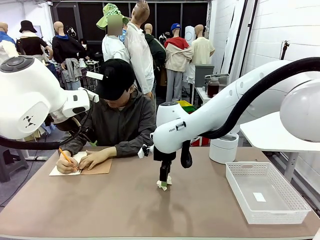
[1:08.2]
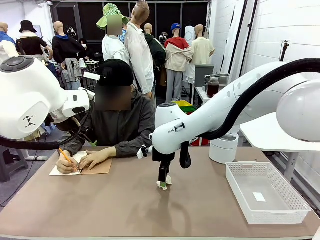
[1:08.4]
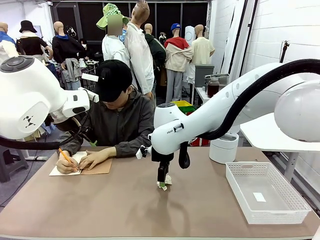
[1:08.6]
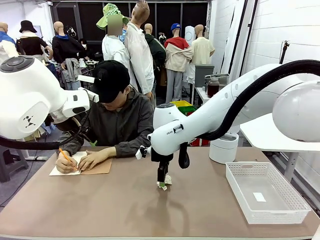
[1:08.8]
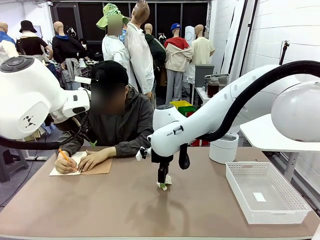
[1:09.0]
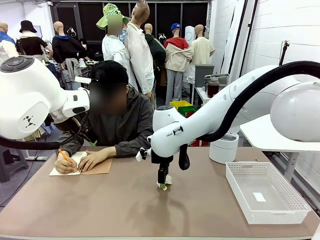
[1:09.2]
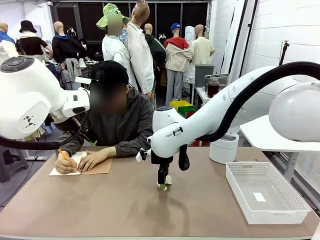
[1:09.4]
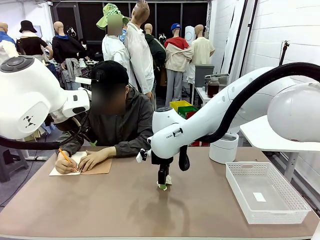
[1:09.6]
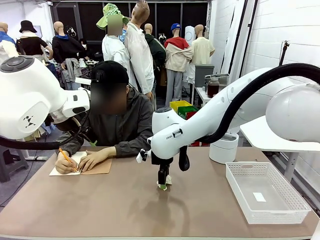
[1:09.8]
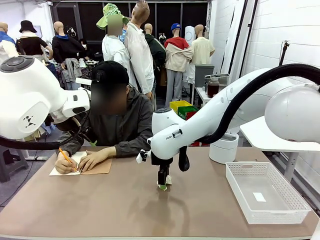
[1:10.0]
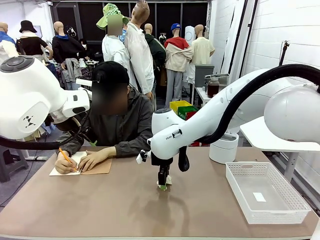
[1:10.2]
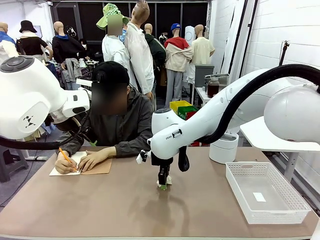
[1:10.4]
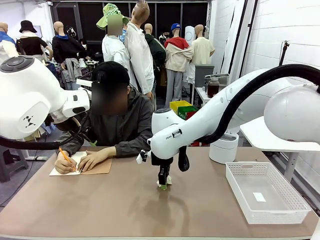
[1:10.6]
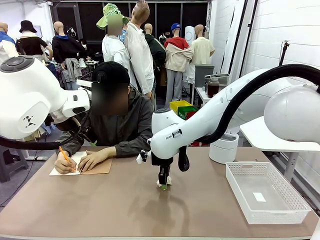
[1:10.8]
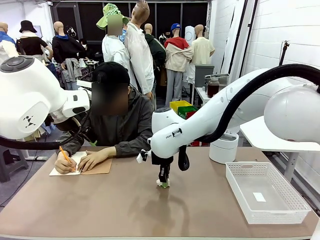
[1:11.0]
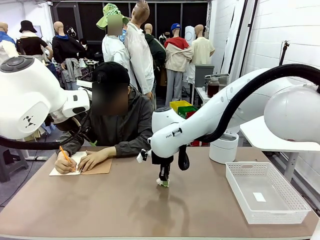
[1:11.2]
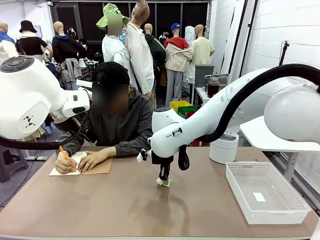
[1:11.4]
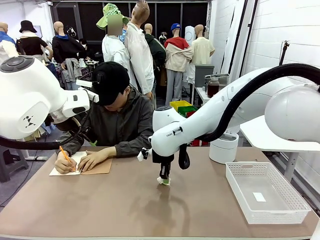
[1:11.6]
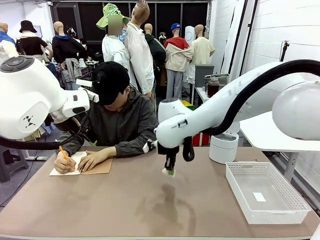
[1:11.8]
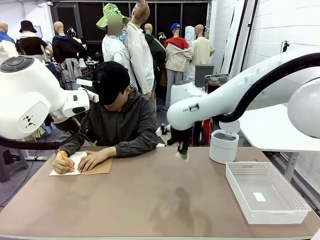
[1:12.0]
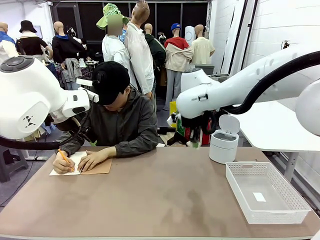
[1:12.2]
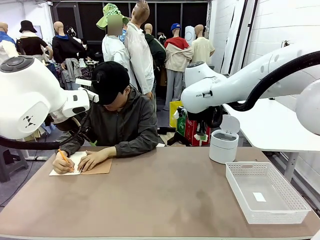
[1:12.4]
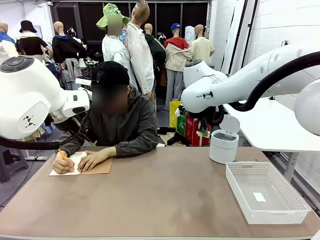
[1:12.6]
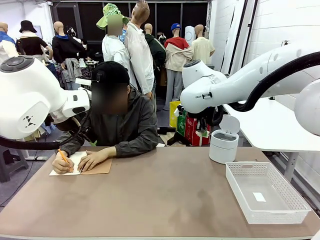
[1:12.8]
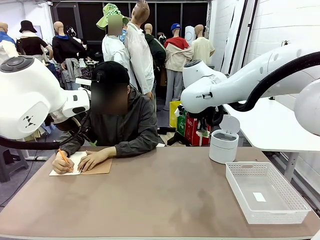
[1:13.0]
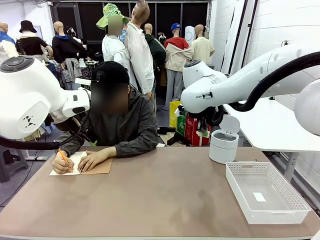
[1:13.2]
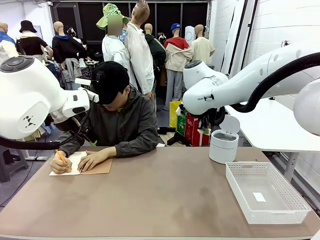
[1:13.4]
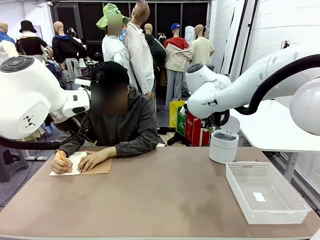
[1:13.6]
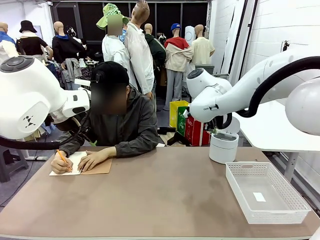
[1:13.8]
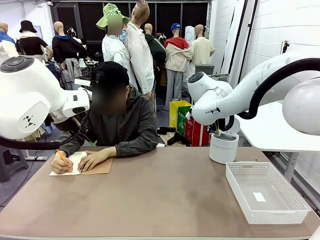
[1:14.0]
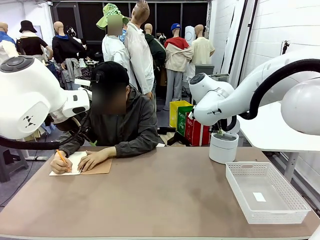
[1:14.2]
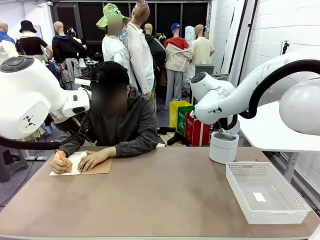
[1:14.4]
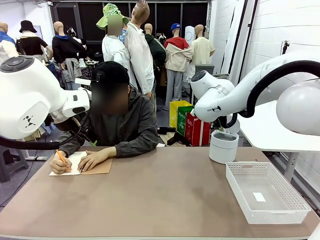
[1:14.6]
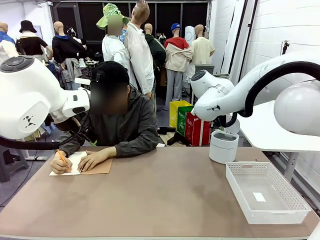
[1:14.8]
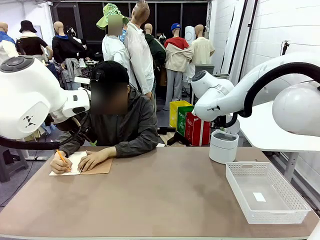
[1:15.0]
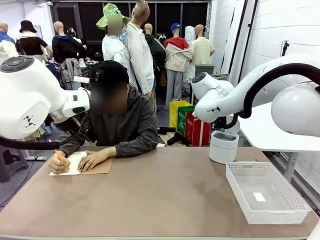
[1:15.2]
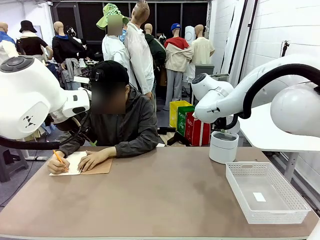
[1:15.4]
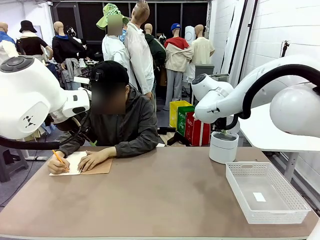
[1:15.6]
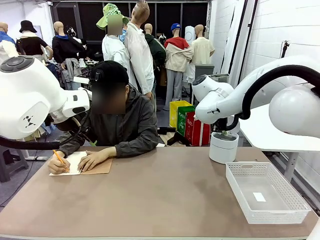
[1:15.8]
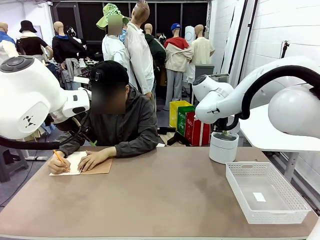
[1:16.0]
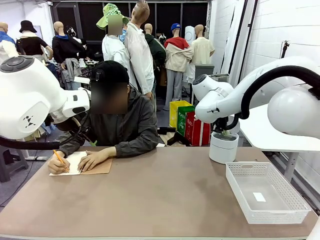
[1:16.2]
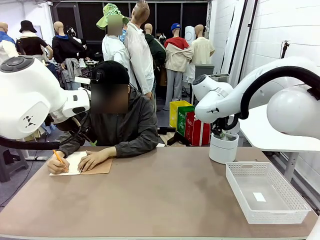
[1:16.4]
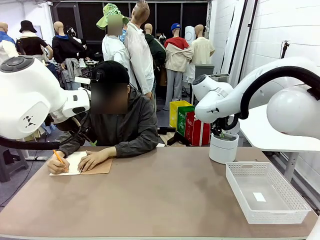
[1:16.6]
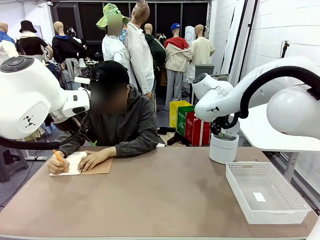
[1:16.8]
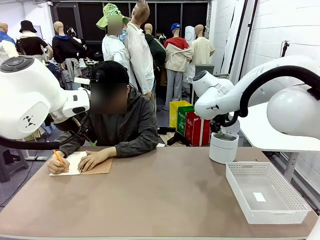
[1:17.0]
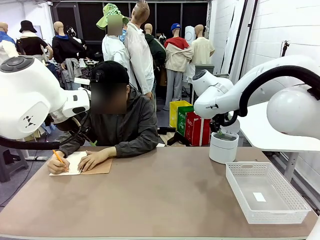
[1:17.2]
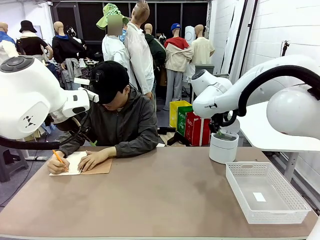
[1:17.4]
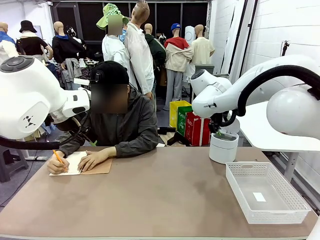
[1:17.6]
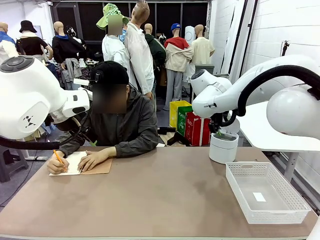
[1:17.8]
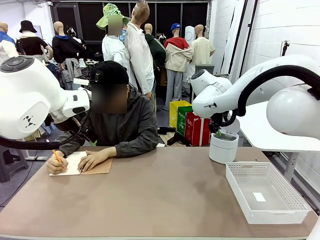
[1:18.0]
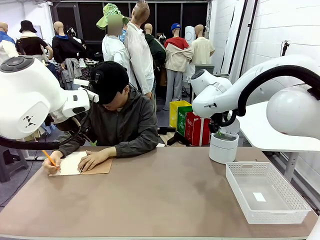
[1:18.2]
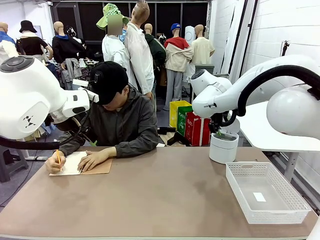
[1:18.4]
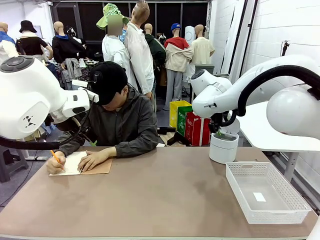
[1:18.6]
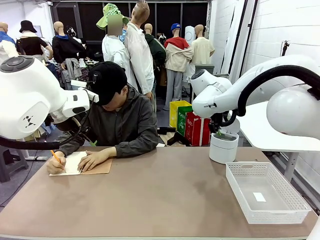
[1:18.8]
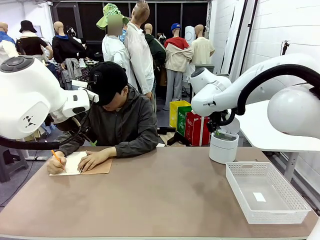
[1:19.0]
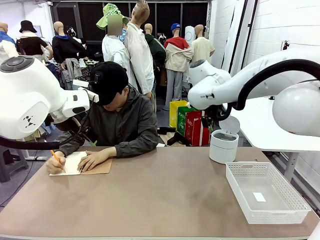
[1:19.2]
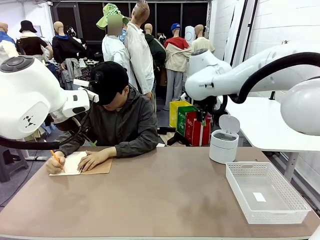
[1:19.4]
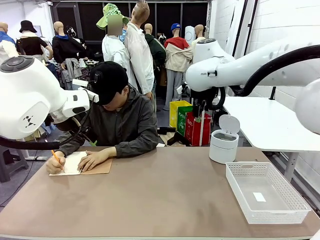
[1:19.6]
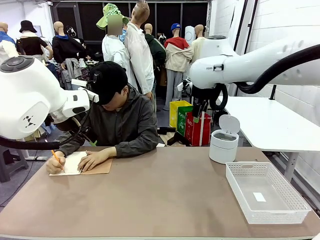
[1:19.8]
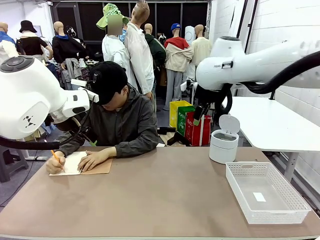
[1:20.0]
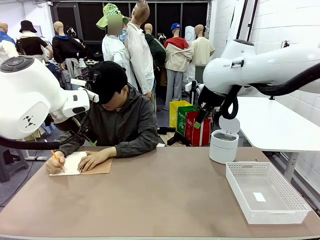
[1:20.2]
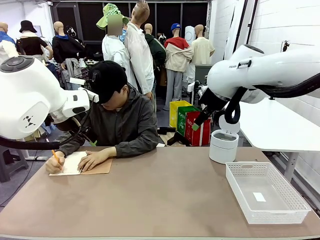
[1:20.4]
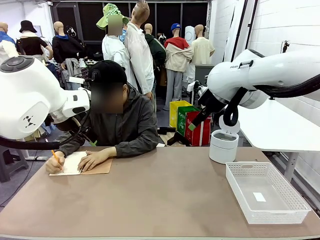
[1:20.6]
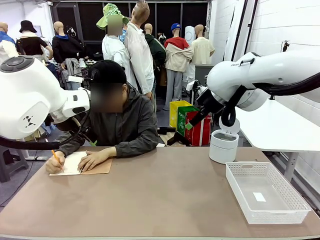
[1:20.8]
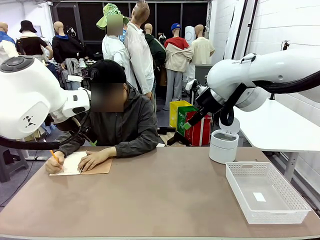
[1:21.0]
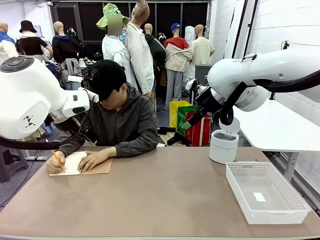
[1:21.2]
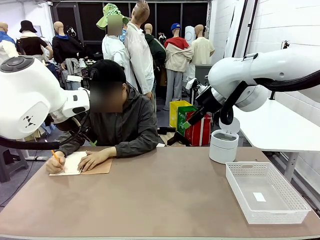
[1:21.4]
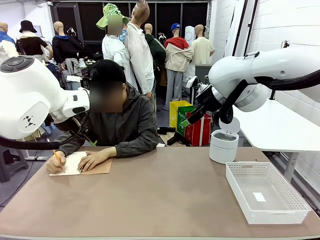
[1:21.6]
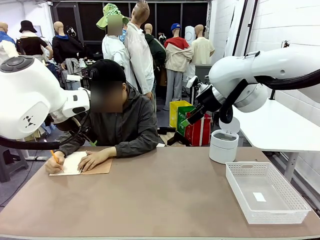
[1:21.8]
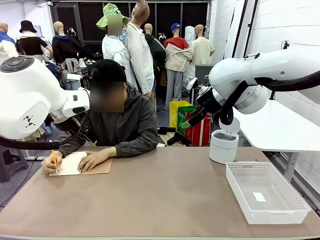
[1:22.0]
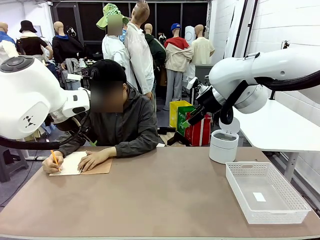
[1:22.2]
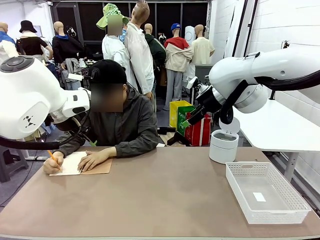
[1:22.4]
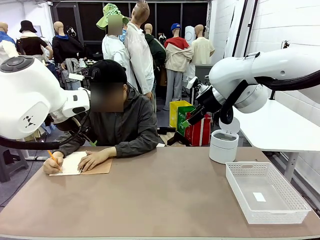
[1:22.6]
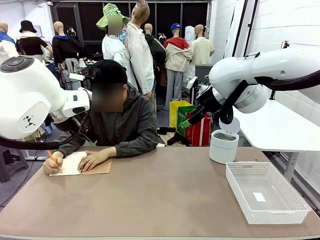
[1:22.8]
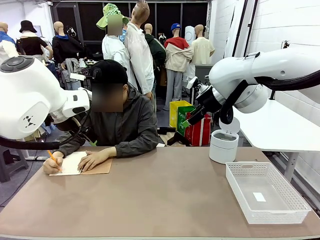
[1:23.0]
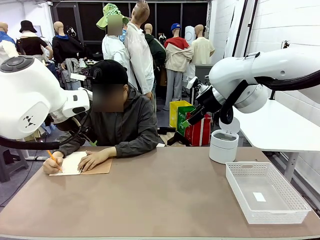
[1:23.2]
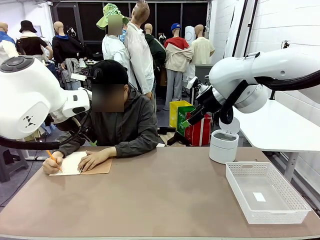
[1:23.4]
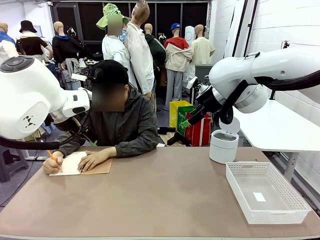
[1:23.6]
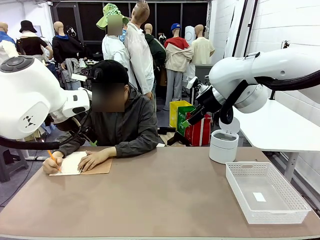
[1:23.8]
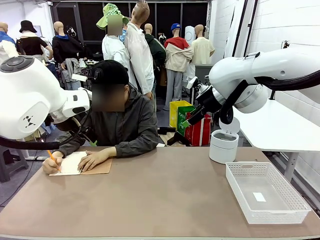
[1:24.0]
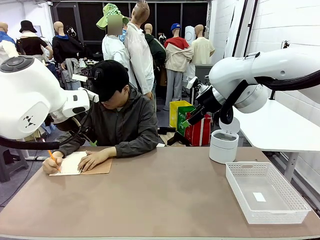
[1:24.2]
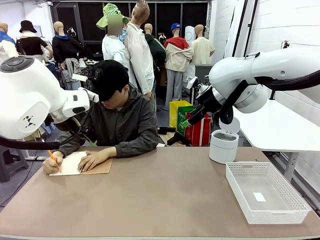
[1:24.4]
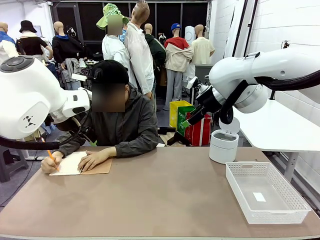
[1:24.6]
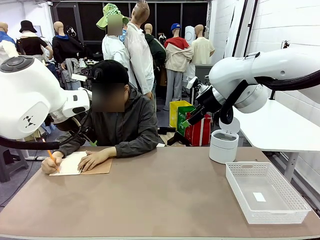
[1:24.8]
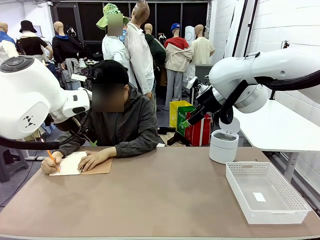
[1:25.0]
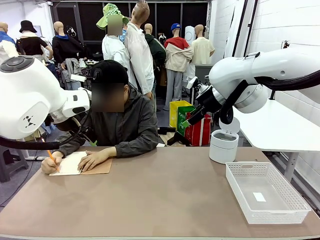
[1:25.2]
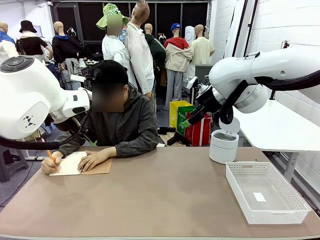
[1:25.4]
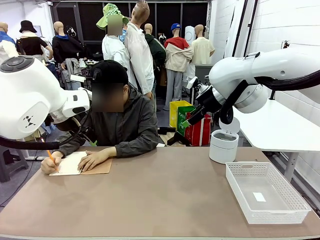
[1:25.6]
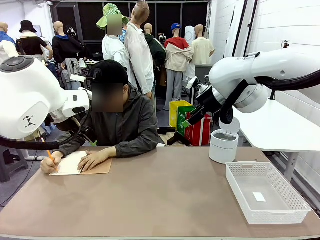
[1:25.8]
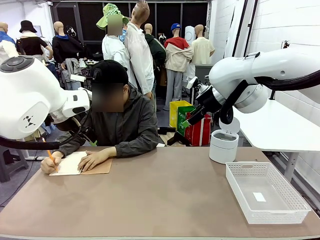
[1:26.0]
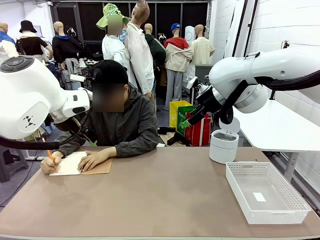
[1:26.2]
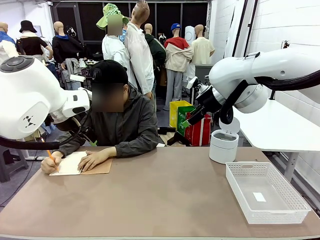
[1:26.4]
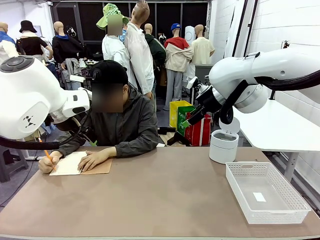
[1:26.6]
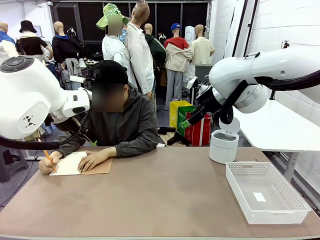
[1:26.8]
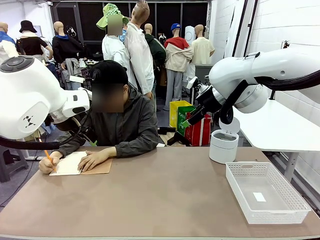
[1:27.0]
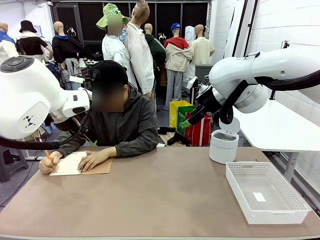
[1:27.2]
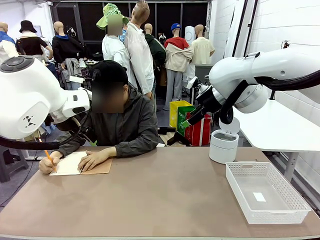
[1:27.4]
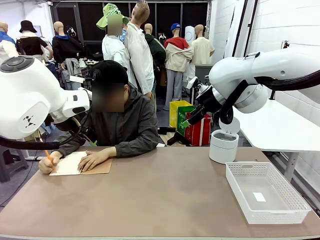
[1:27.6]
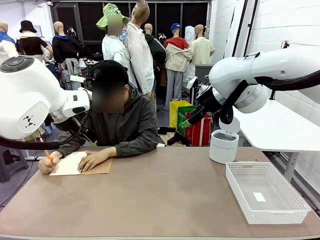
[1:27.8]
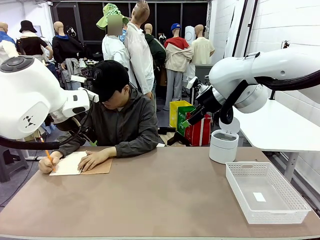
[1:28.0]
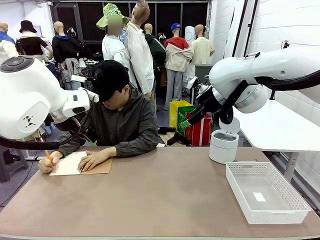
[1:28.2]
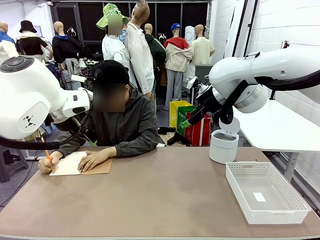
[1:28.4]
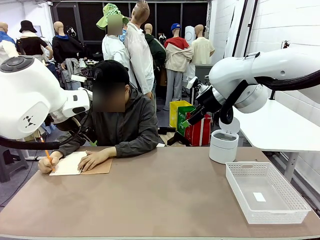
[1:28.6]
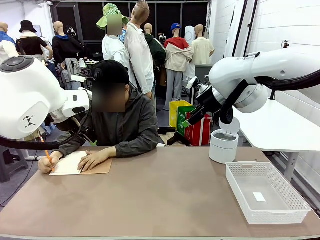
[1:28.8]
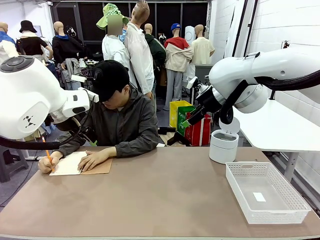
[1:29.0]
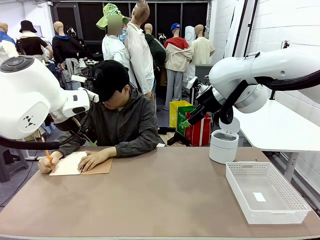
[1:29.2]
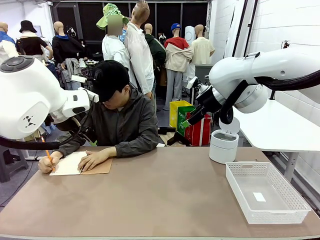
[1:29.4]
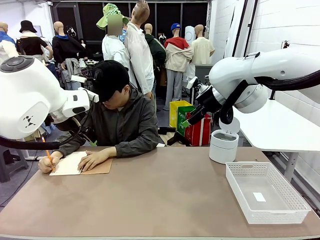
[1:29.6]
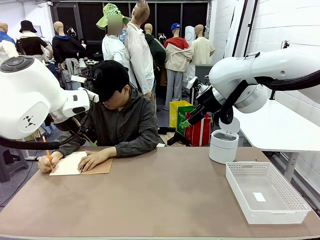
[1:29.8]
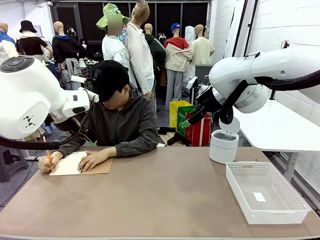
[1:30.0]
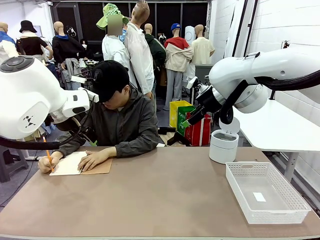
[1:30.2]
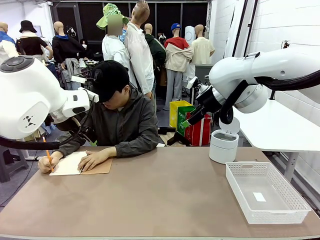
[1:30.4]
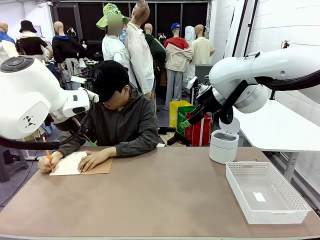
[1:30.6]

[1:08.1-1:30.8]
Task: Sort the paper based on its condition.
Robot: If a person hands you a paper, place it in the Organizing basket , and if it's crumpled, put it in the Trash can.
Person: Tear out a page from the spiral notebook.
